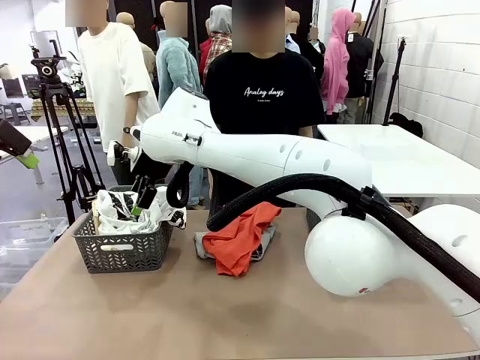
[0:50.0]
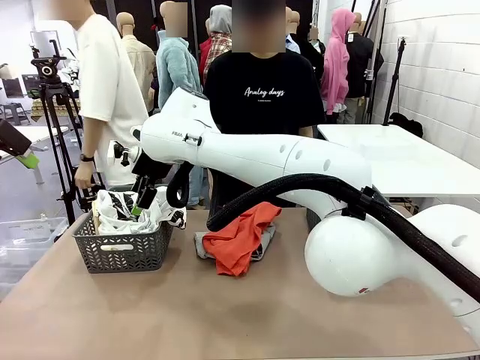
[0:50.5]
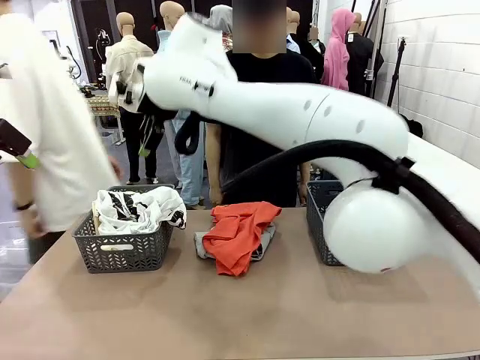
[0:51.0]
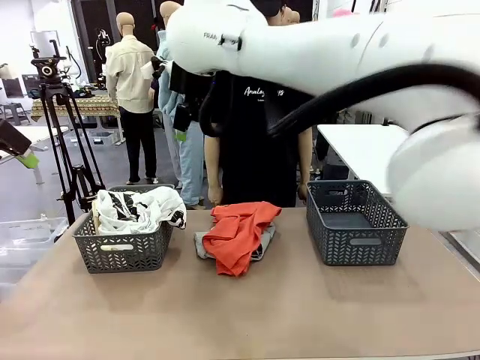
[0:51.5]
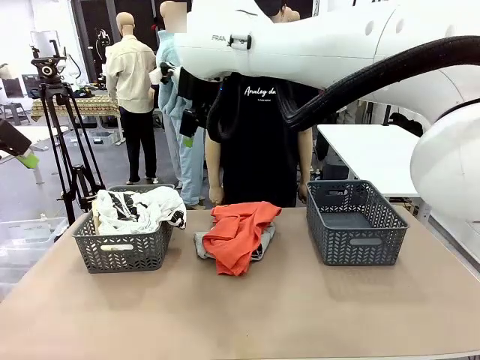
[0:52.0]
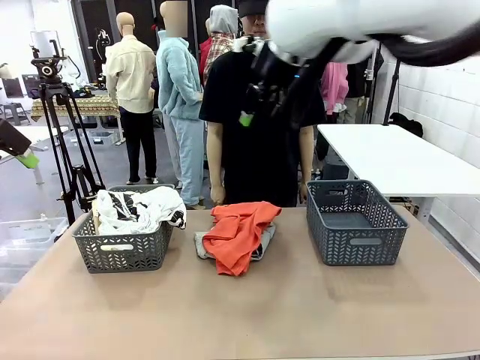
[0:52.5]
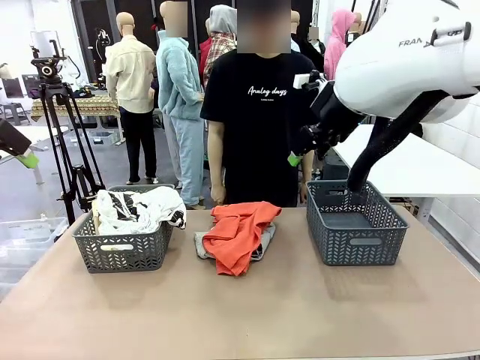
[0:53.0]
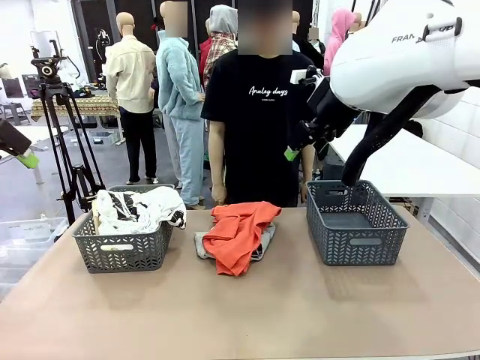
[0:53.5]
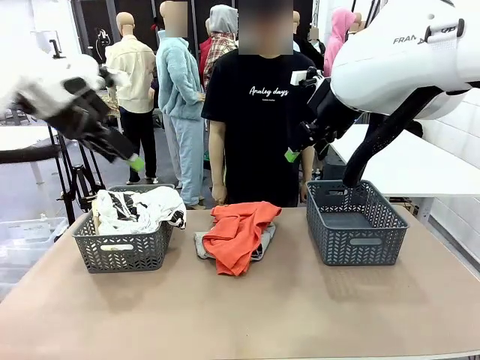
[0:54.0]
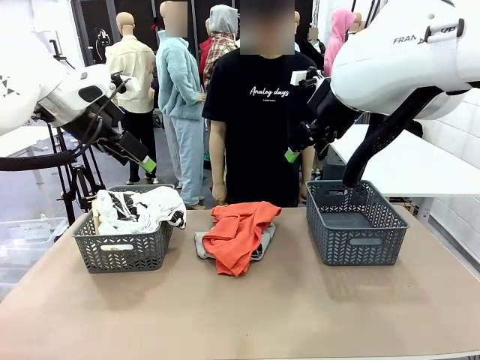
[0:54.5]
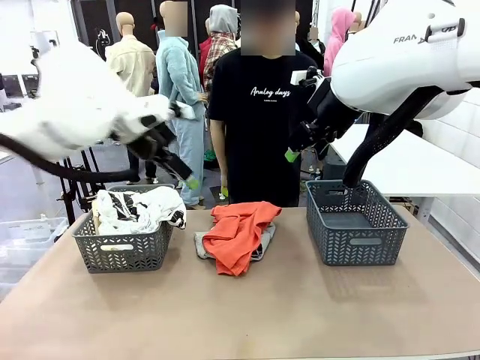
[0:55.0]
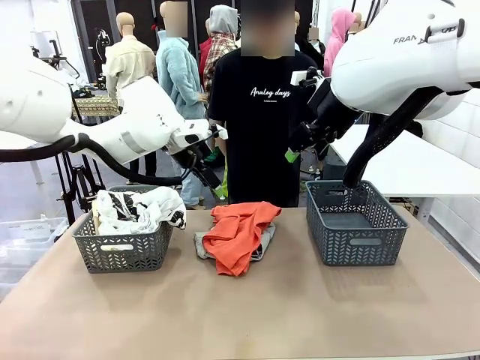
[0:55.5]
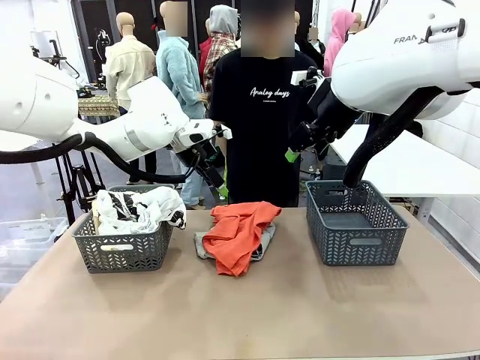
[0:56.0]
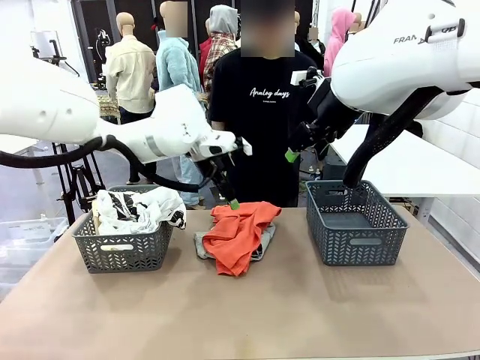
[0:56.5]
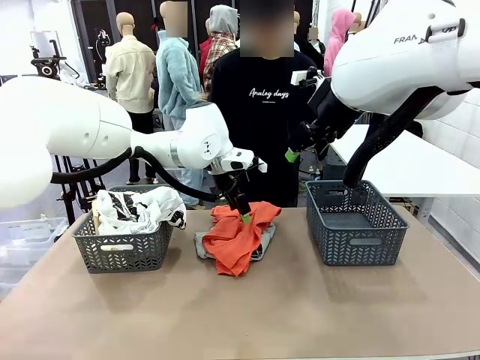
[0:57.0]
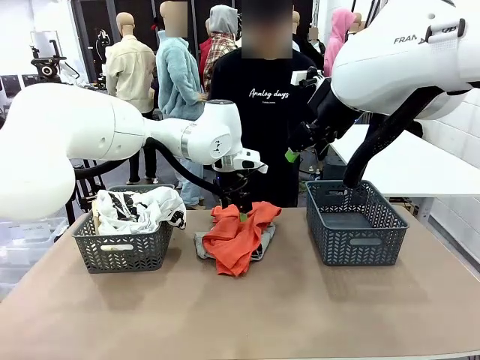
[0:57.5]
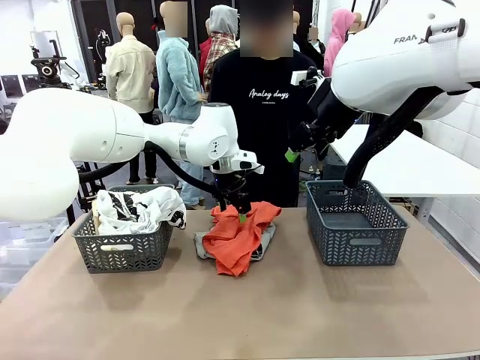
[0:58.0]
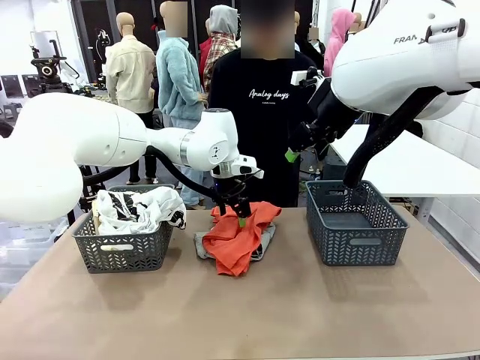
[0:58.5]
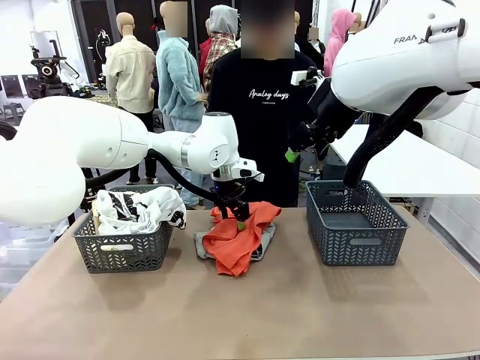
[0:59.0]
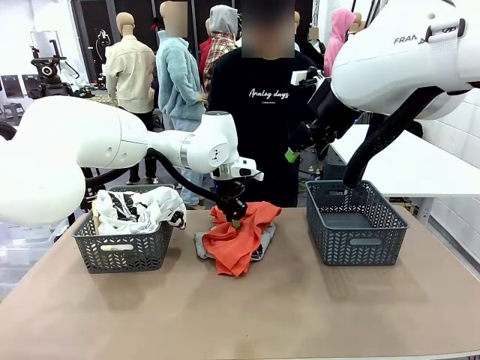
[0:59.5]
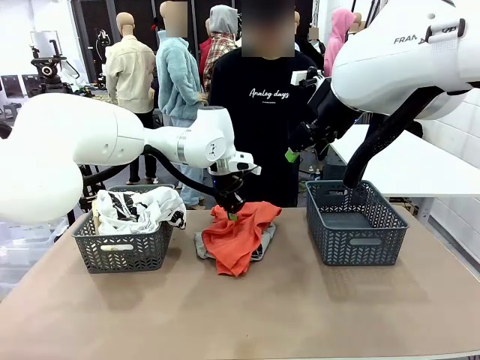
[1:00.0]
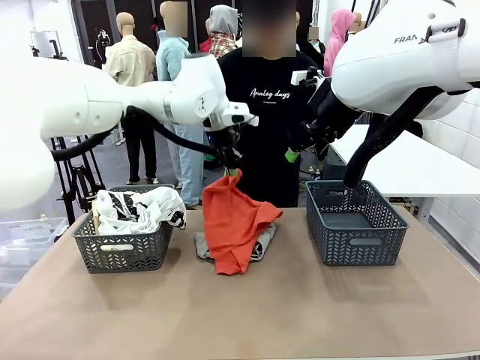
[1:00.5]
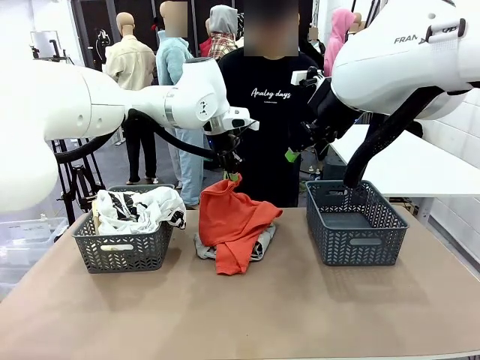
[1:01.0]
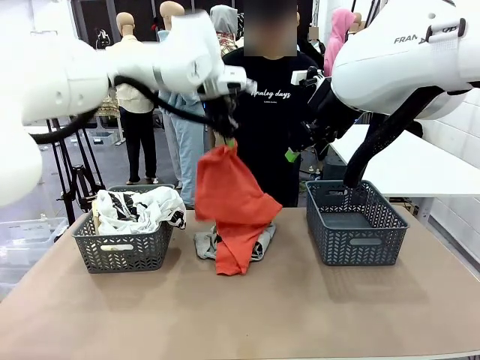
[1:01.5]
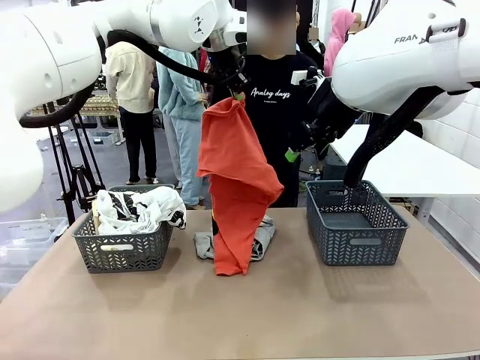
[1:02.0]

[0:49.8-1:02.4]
Task: Sort the tops and bottoms.
Robot: Lift clothes from the center of the table with your left hand.

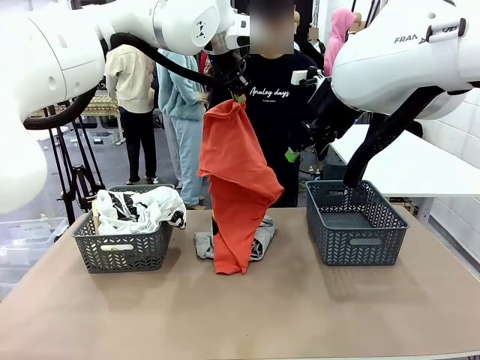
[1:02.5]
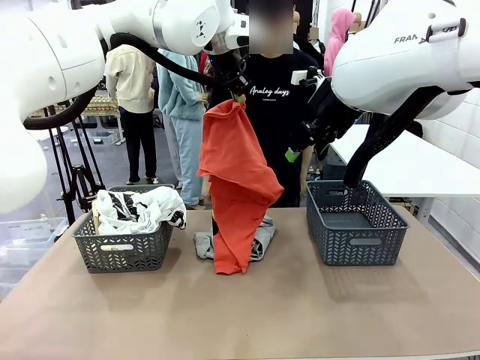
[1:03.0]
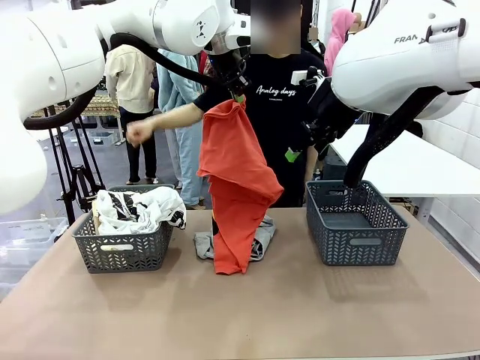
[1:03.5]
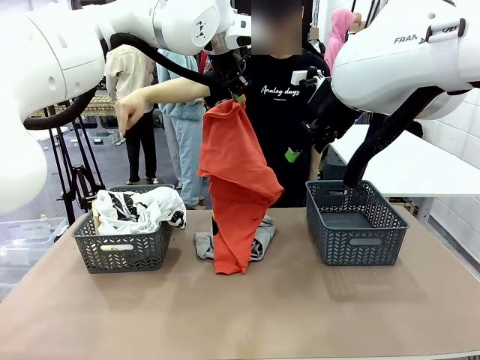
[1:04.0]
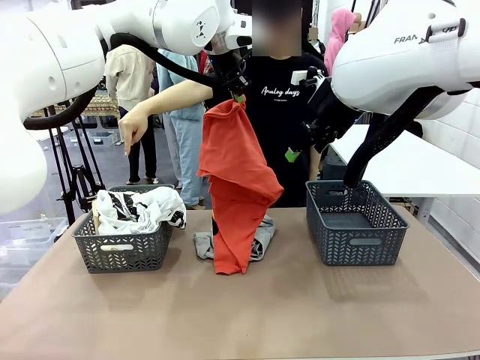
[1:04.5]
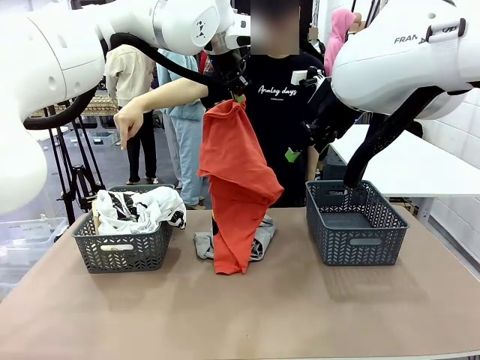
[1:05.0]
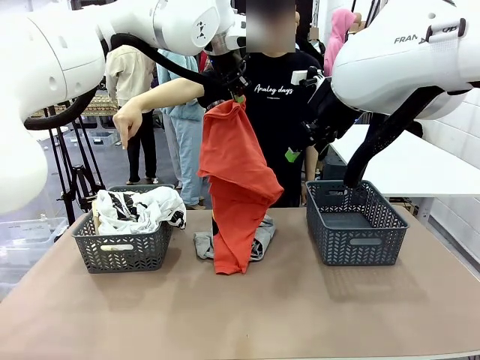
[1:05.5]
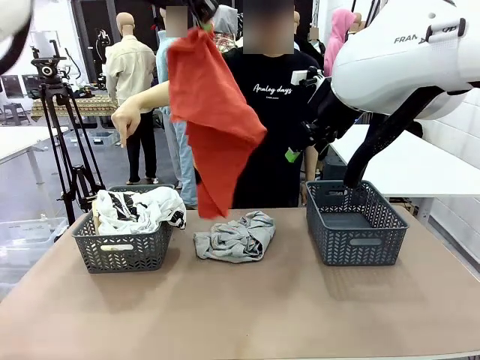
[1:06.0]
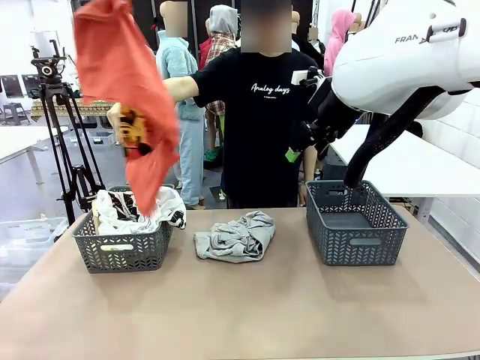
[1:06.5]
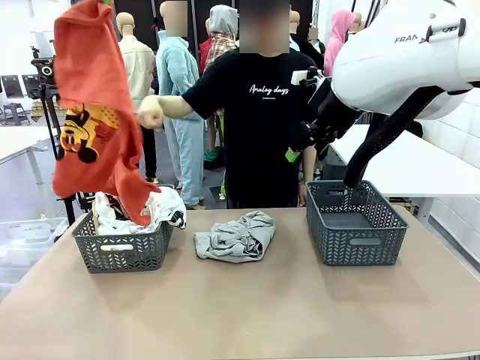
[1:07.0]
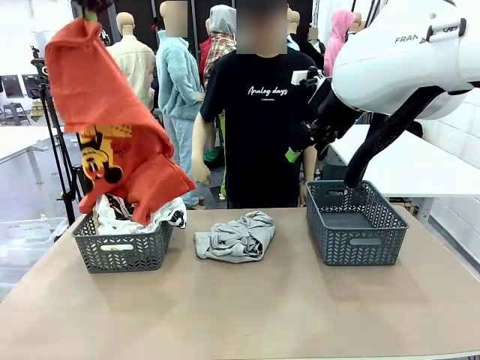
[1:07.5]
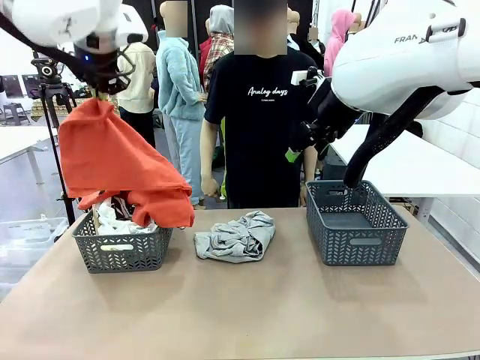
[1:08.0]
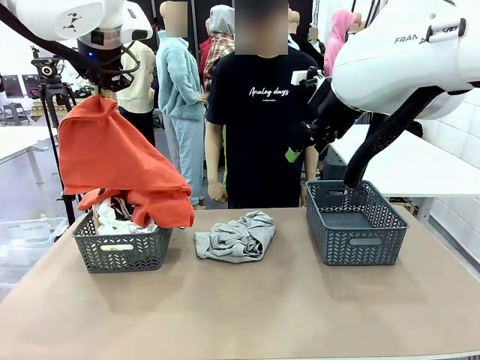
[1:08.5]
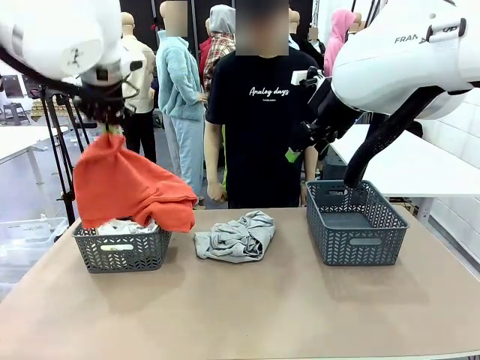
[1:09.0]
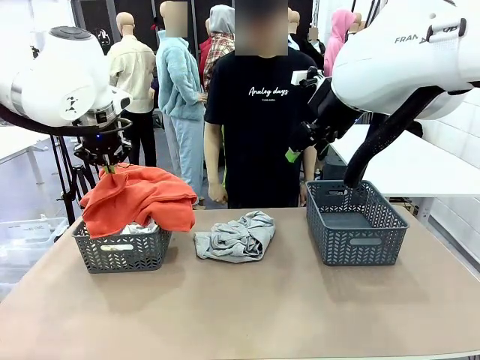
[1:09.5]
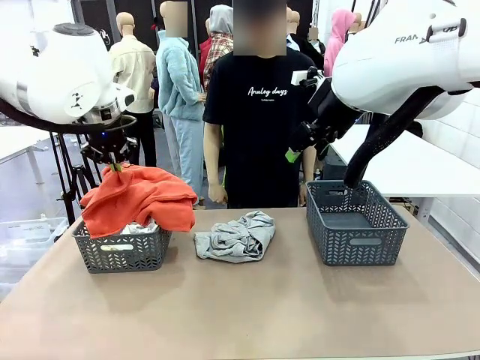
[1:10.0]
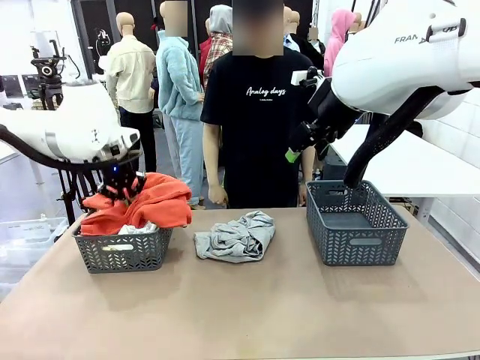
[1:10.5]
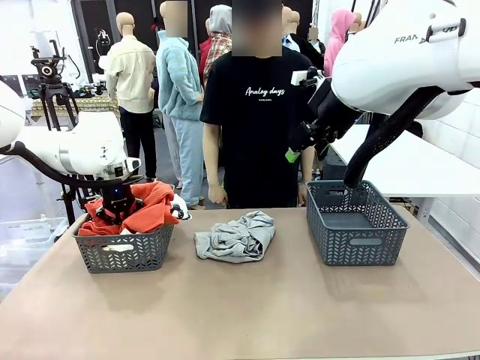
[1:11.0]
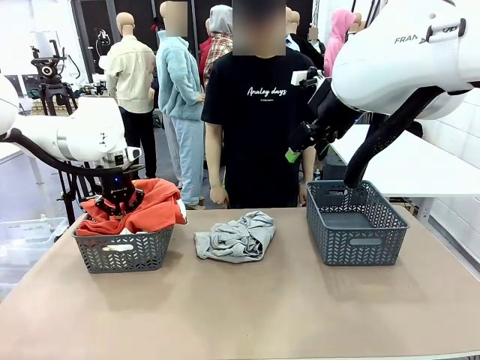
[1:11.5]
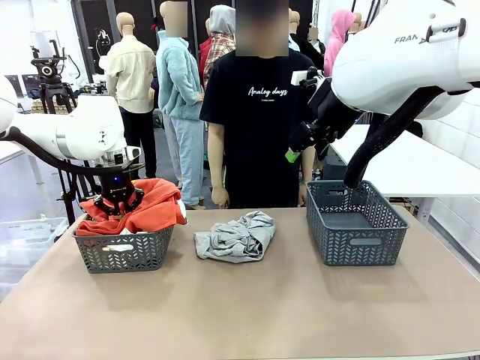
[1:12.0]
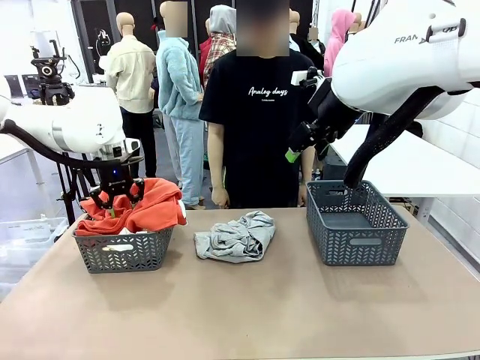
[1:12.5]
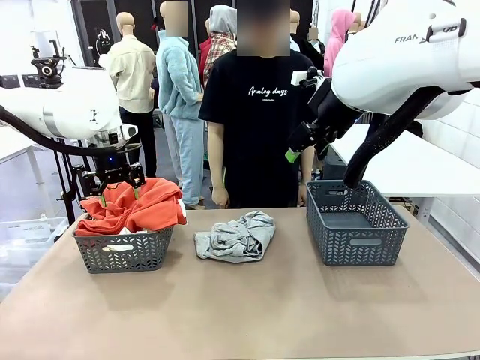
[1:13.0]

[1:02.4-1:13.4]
Robot: Sort the clothes according to human instructions.
